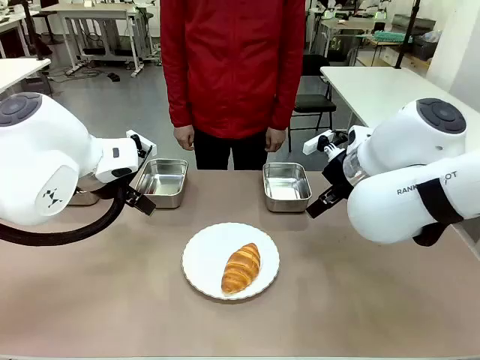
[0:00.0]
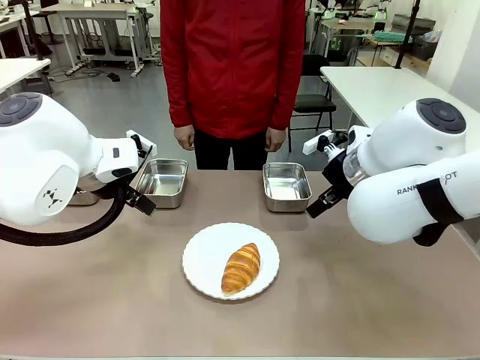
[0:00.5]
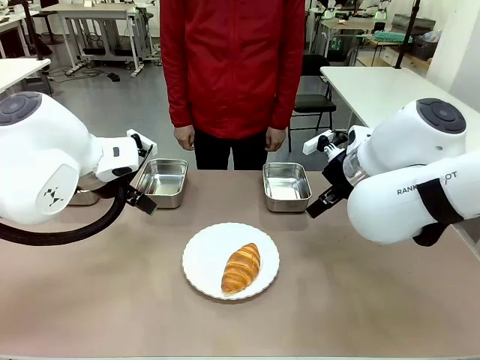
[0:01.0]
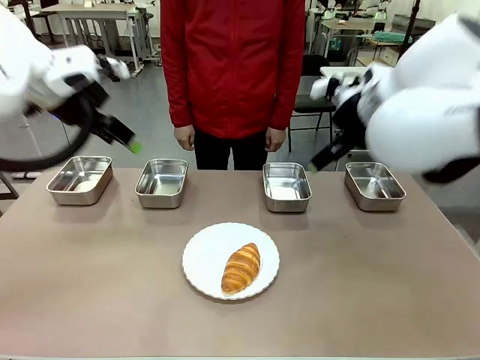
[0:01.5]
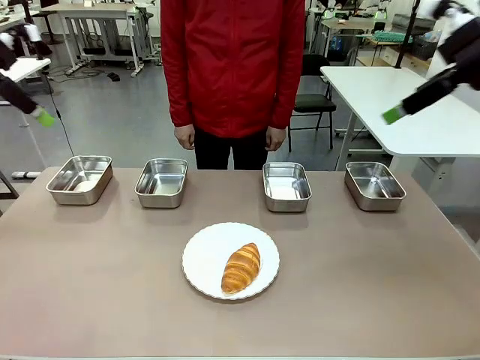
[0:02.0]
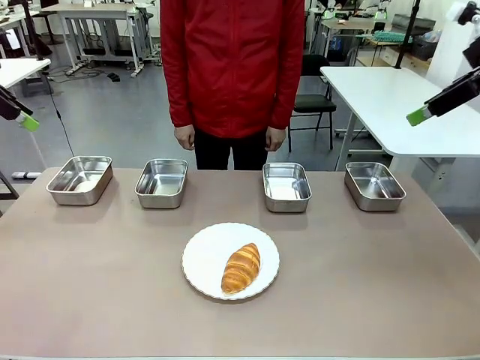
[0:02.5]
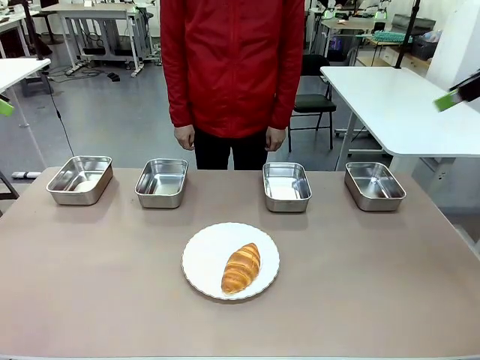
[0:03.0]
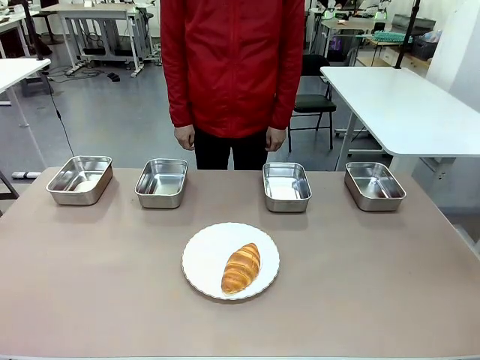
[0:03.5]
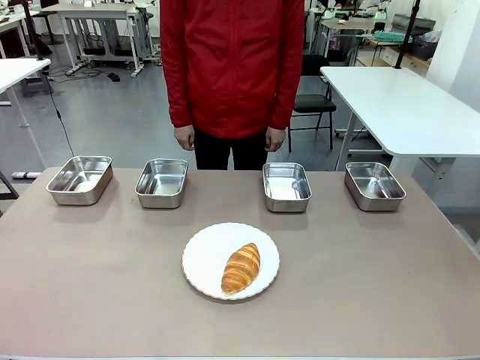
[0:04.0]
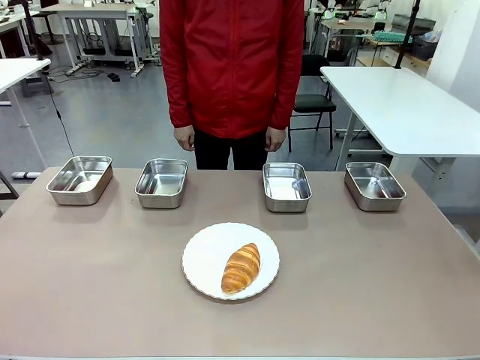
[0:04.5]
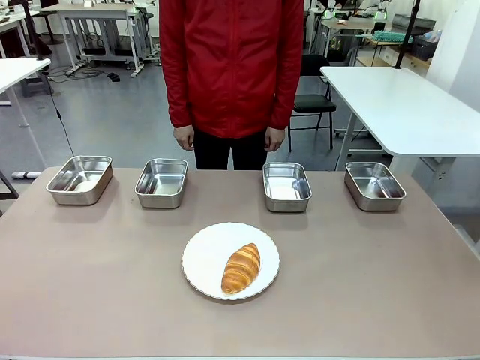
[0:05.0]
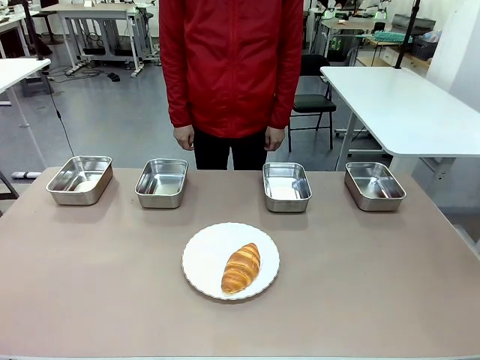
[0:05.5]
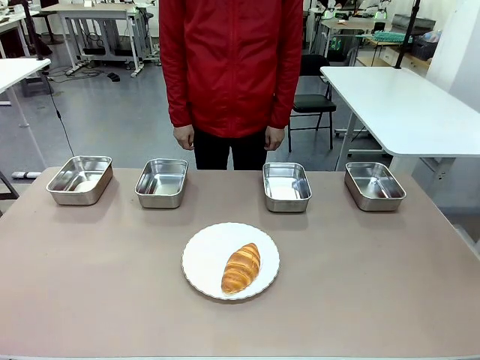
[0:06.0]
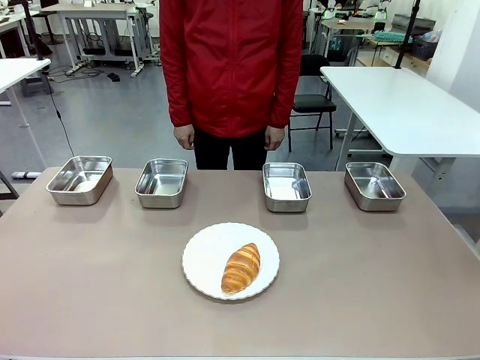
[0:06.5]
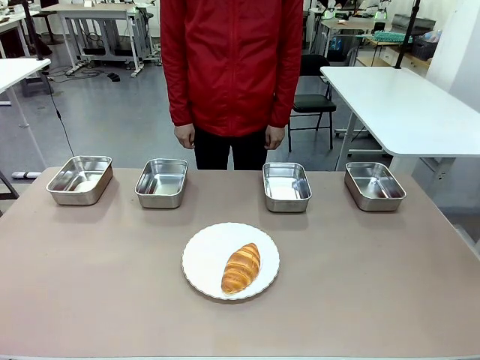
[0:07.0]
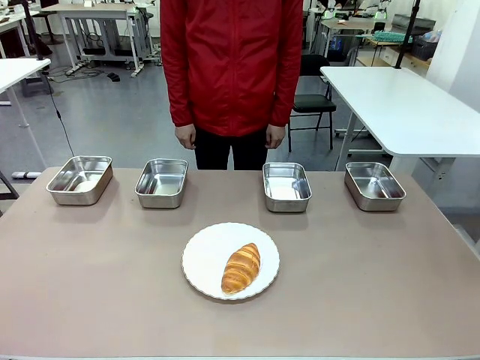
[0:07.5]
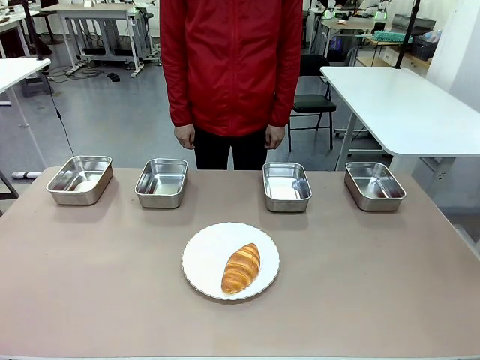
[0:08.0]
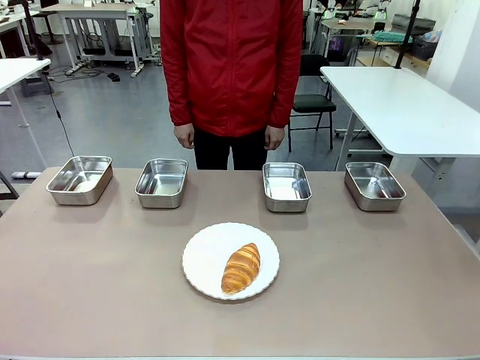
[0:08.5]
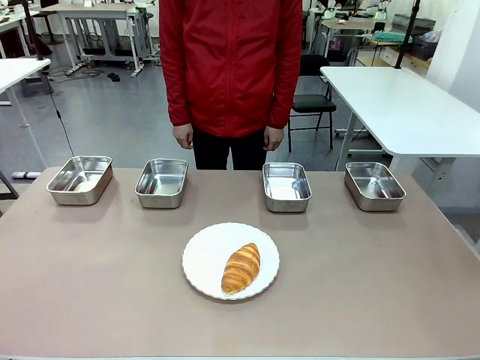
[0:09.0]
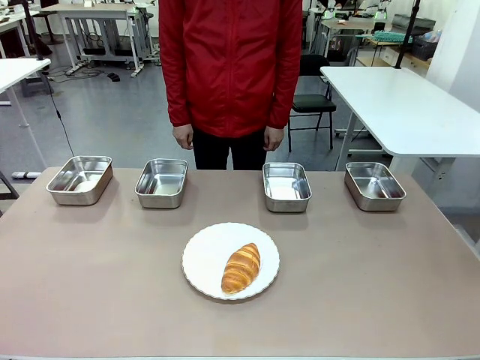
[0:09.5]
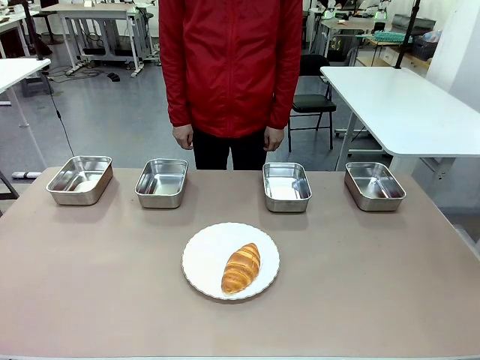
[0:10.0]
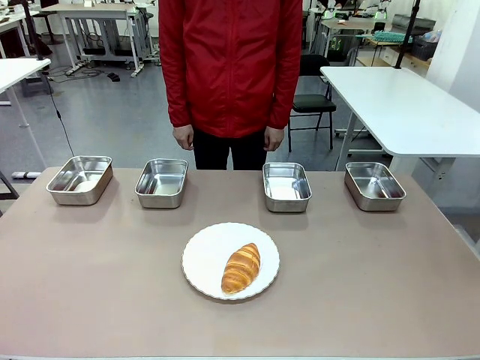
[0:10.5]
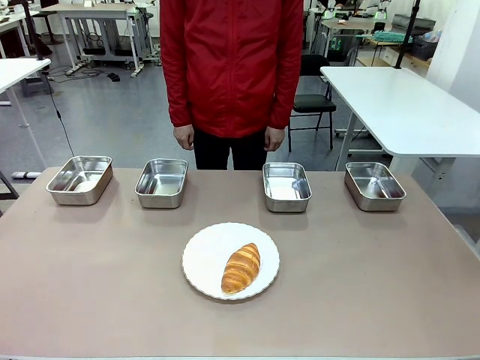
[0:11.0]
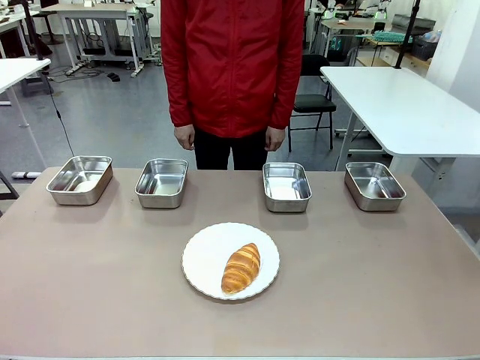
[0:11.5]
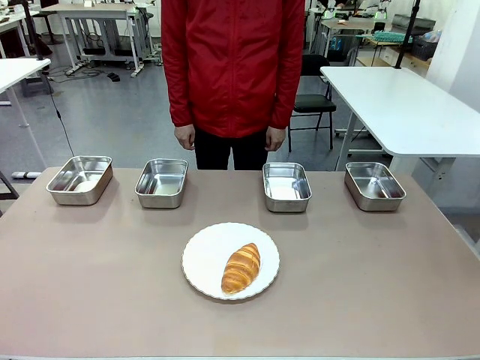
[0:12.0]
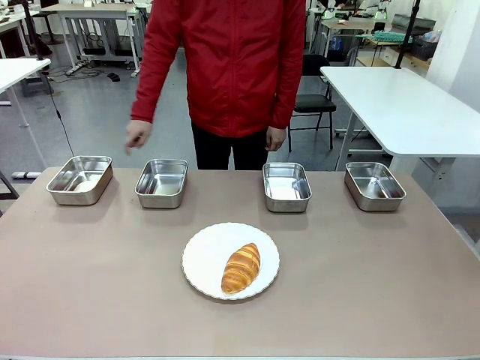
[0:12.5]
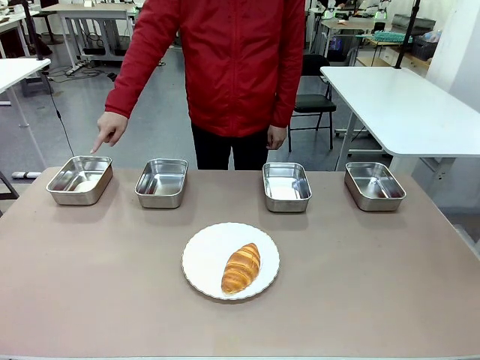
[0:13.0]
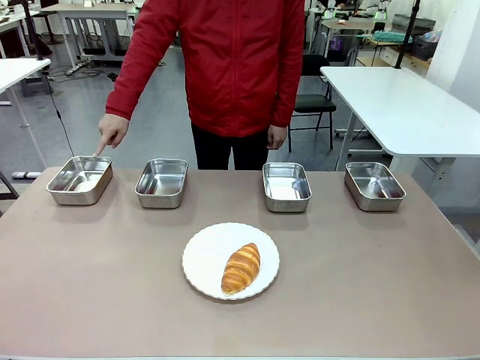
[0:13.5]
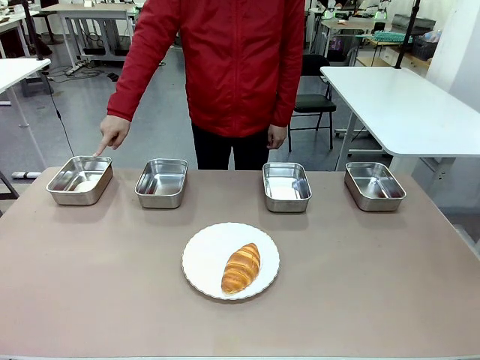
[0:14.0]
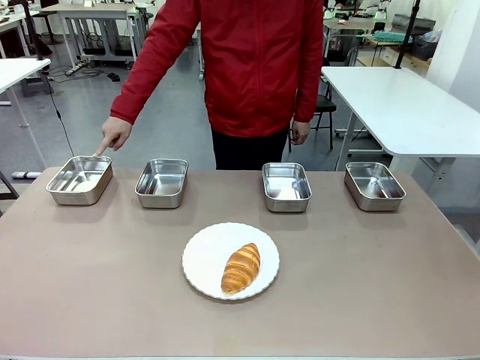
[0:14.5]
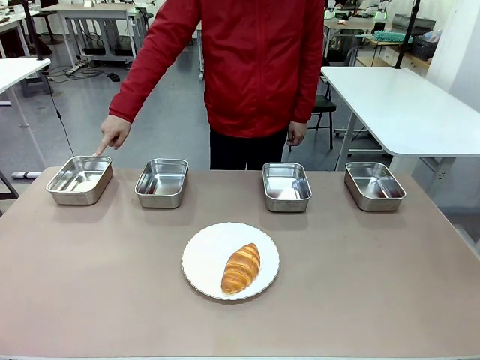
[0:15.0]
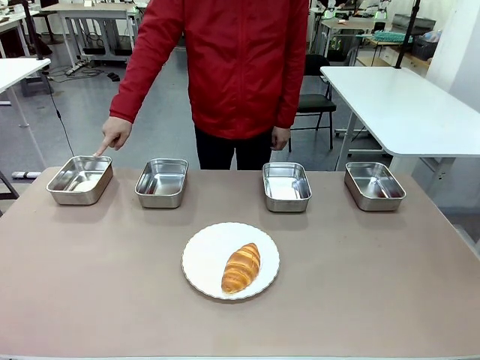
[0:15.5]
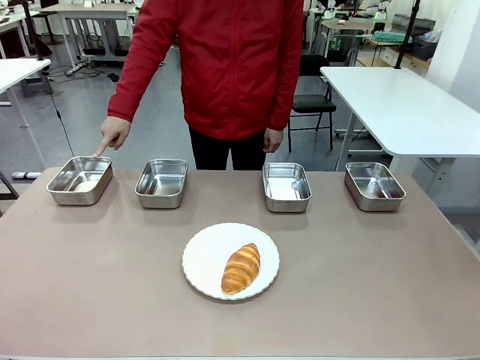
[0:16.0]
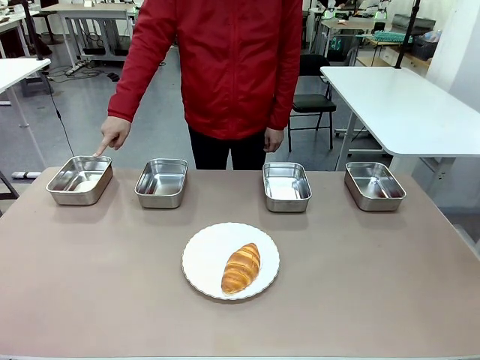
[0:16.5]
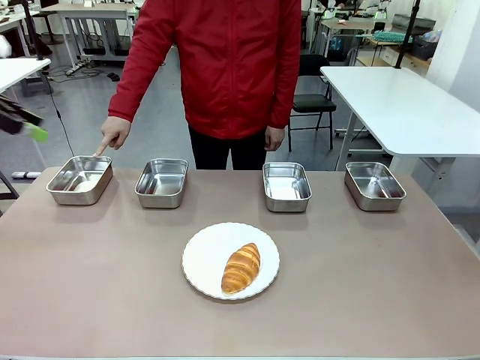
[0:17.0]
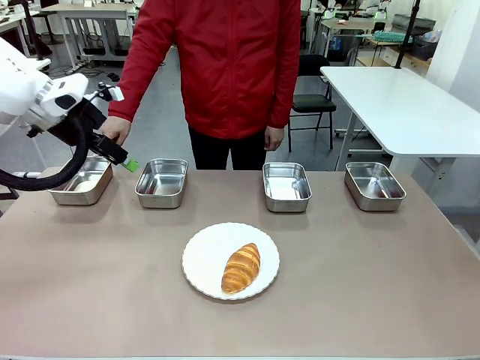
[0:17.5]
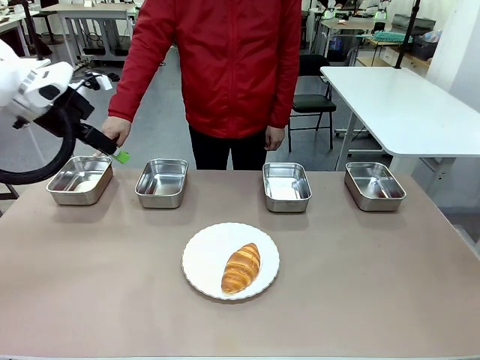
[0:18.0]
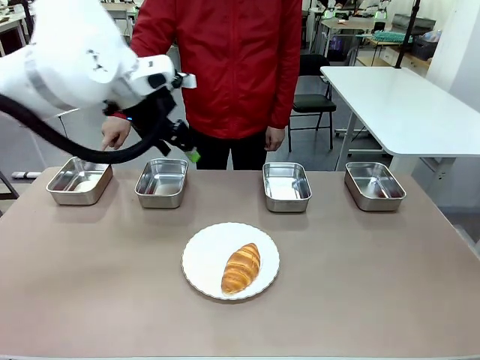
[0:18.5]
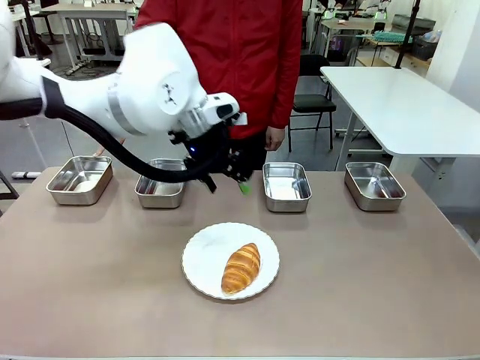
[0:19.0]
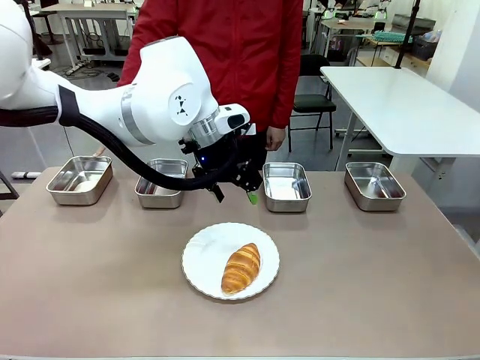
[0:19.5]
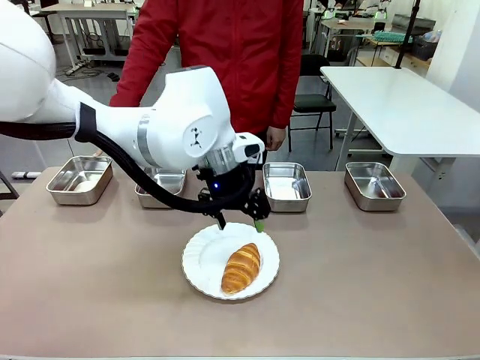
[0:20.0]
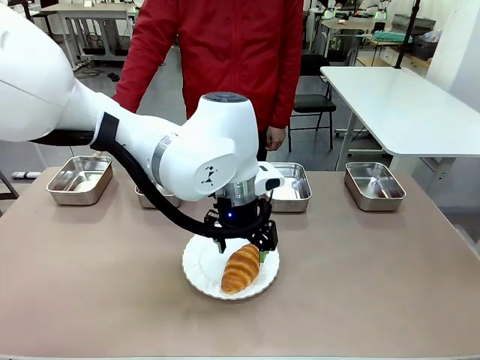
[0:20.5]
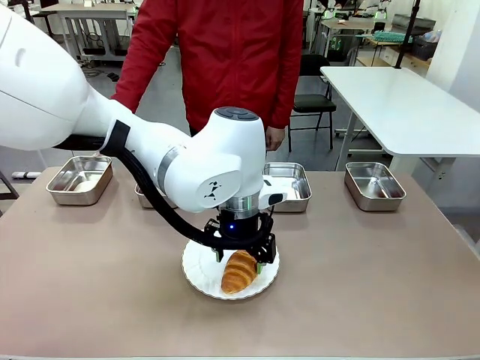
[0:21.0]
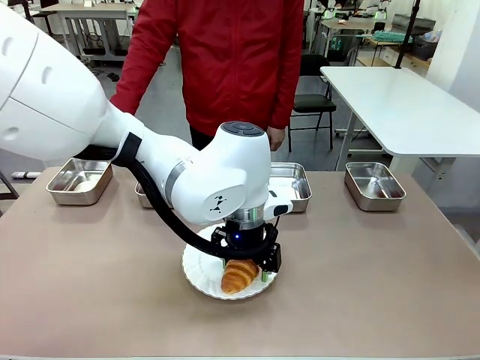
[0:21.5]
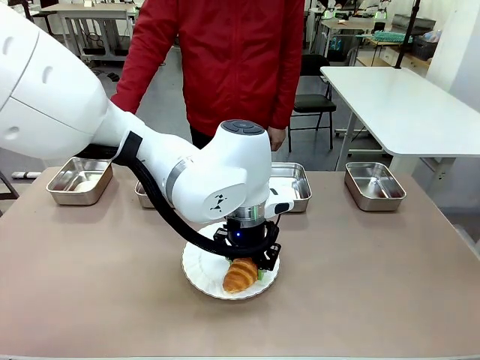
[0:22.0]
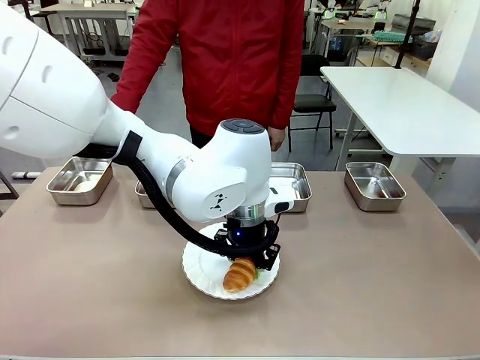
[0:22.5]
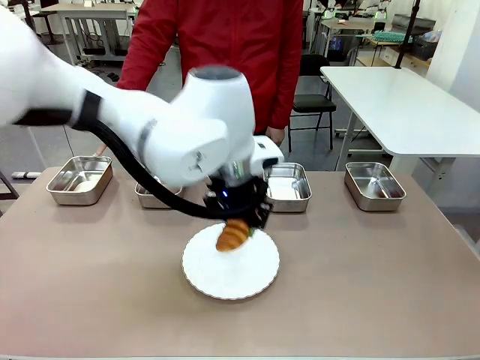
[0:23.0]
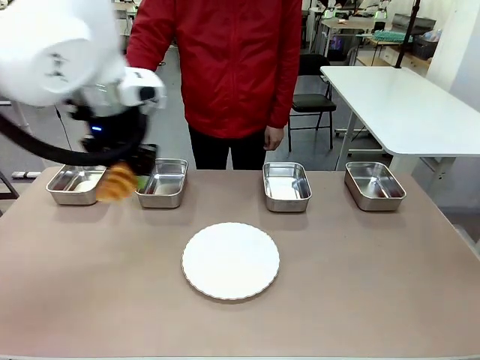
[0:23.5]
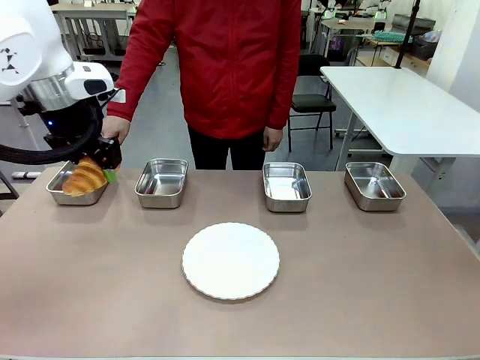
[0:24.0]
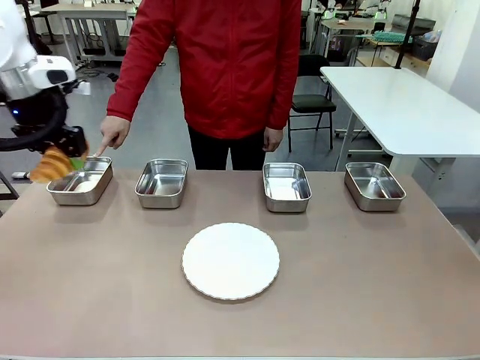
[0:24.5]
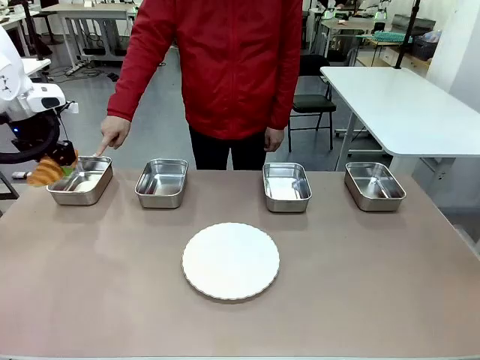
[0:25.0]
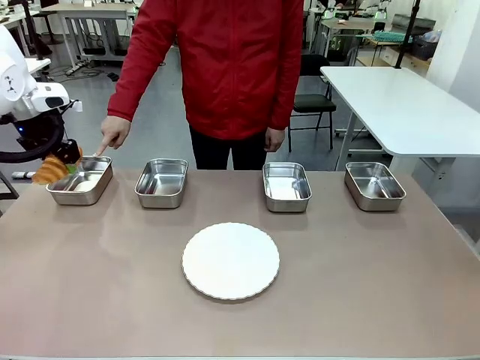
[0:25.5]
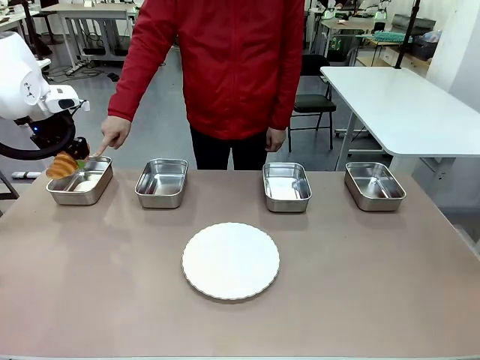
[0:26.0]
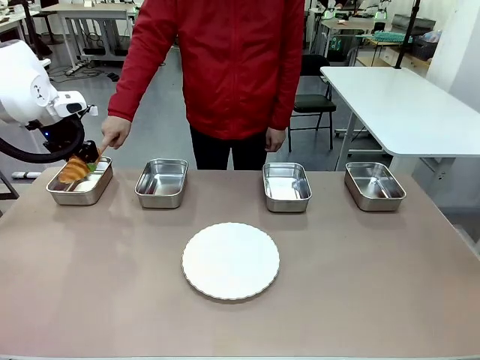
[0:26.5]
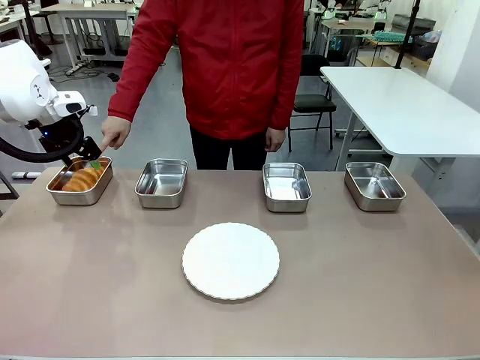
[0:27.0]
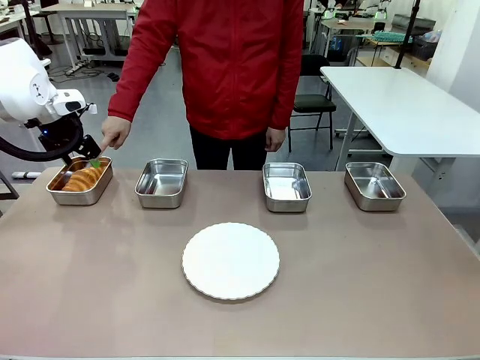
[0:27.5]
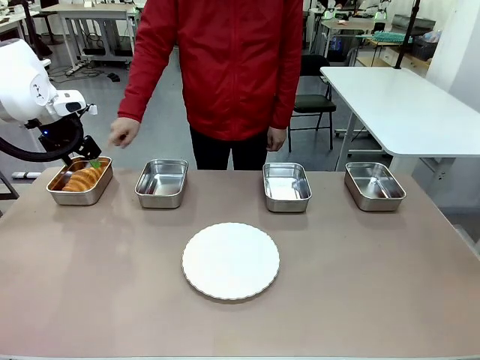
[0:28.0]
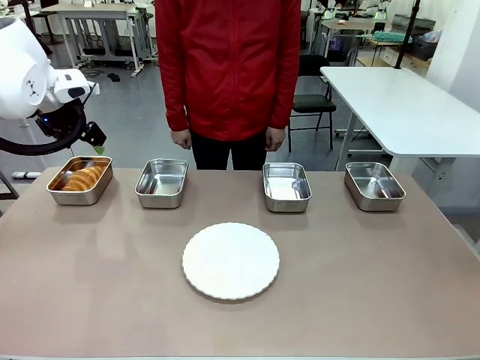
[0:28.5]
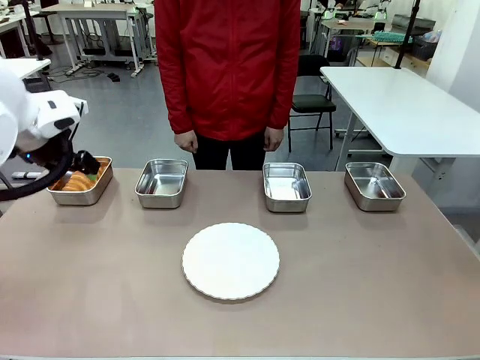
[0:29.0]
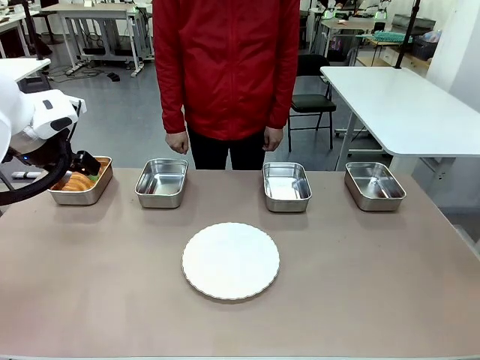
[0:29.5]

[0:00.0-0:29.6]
Task: Place the bread in the container.
Robot: Place the Butter Roll into the Airtight Container indicated by the human.
Person: A person randomly selects and points to an Airtight Container.
